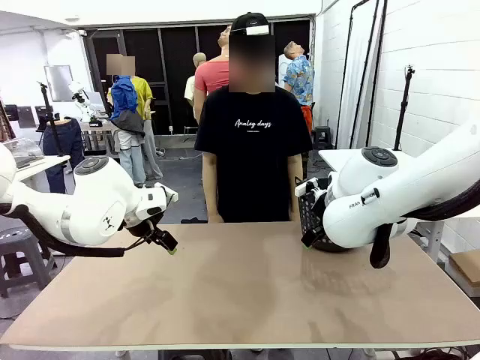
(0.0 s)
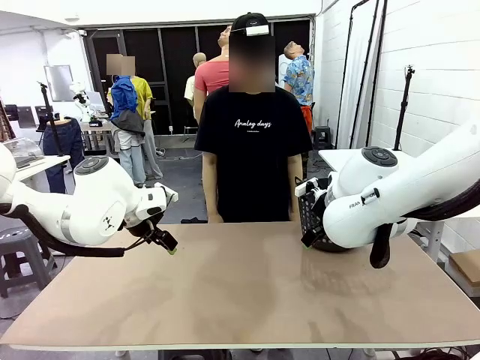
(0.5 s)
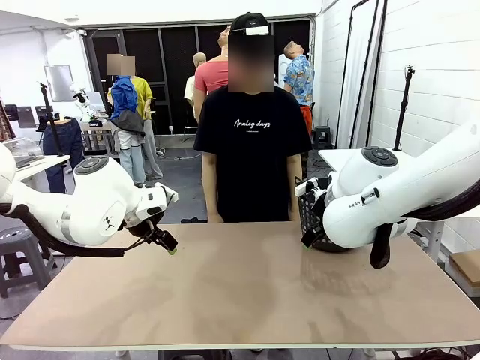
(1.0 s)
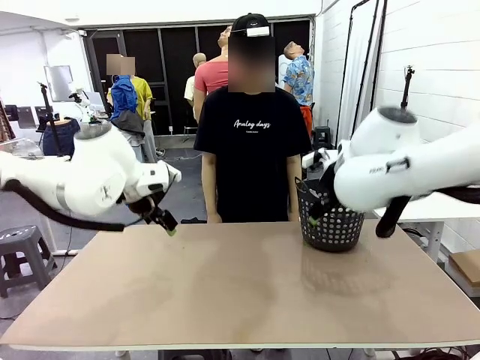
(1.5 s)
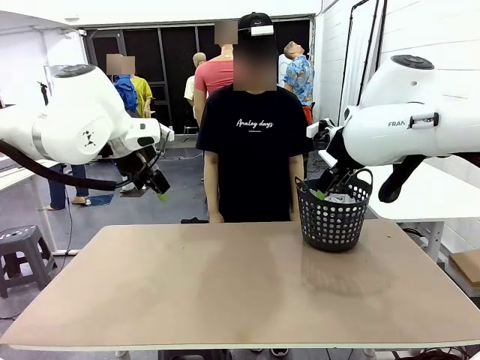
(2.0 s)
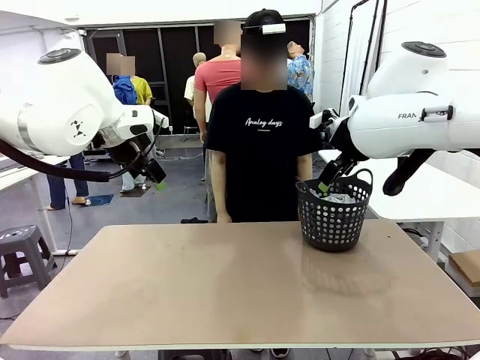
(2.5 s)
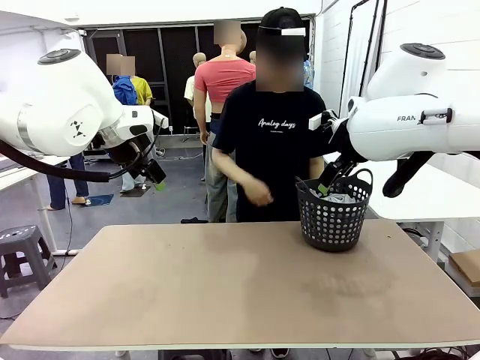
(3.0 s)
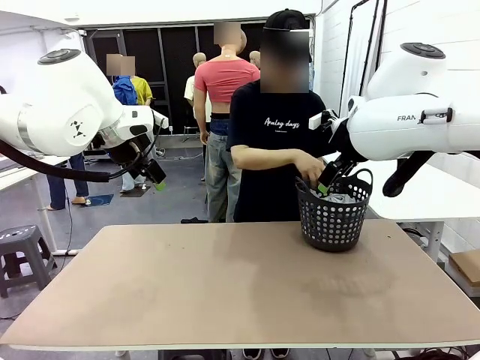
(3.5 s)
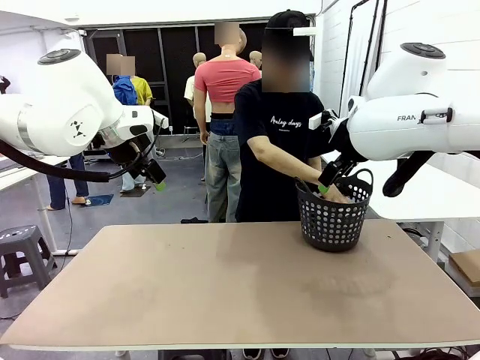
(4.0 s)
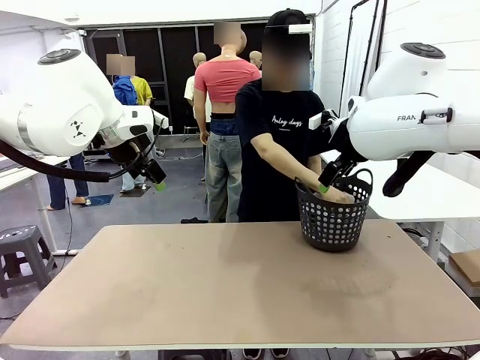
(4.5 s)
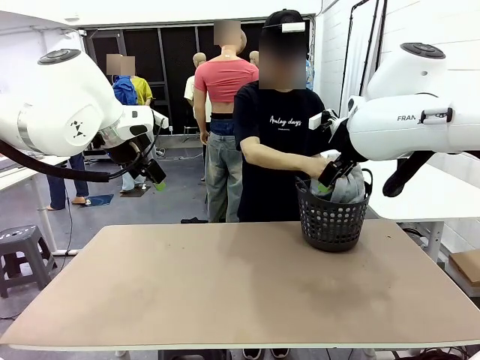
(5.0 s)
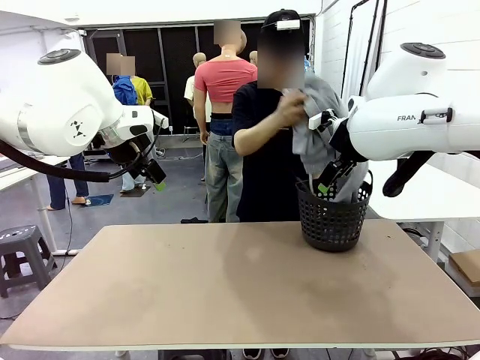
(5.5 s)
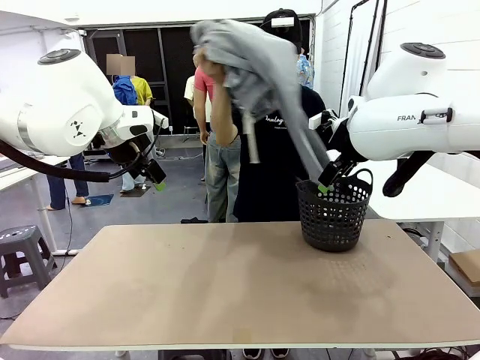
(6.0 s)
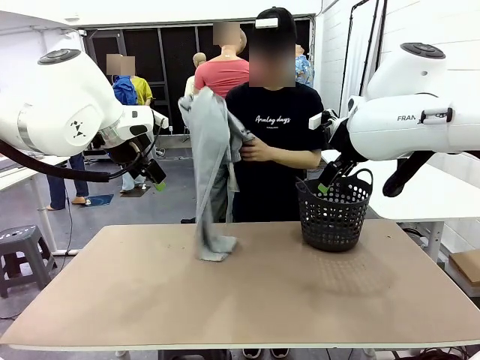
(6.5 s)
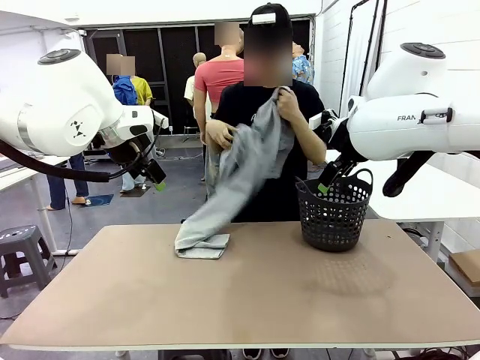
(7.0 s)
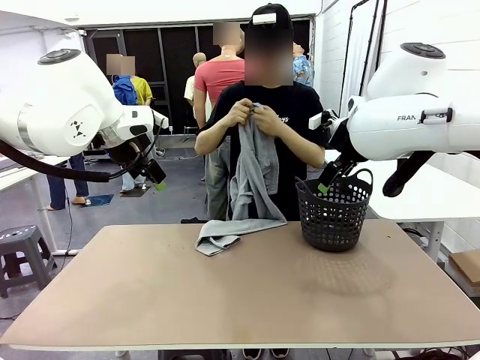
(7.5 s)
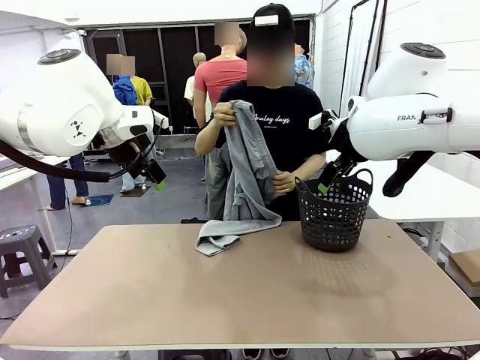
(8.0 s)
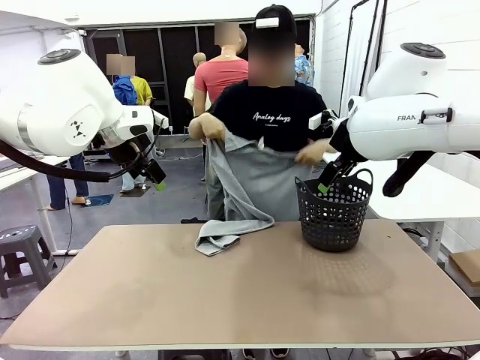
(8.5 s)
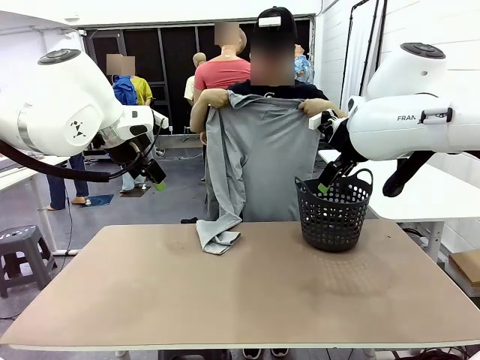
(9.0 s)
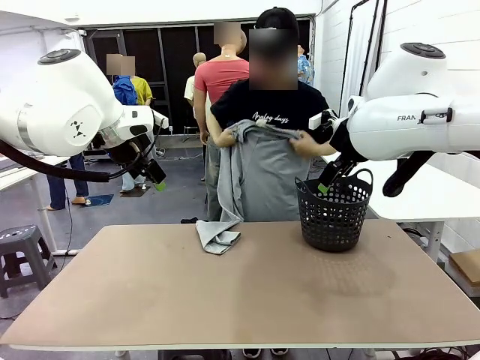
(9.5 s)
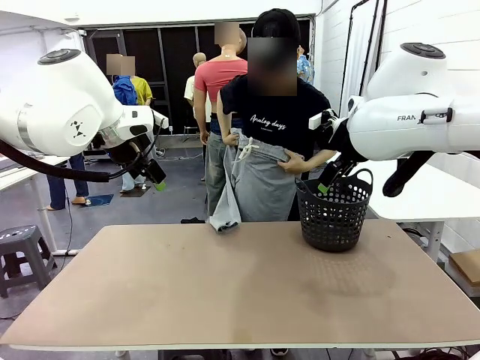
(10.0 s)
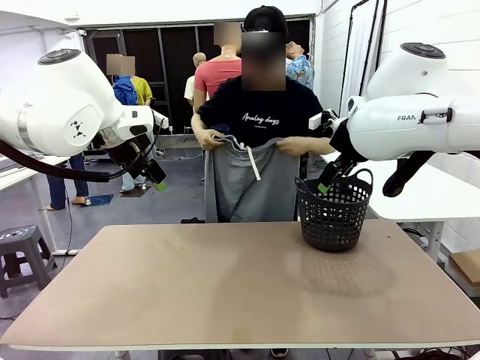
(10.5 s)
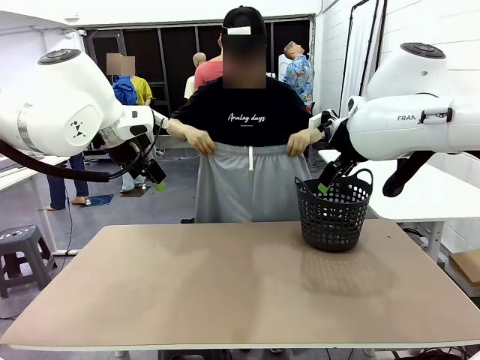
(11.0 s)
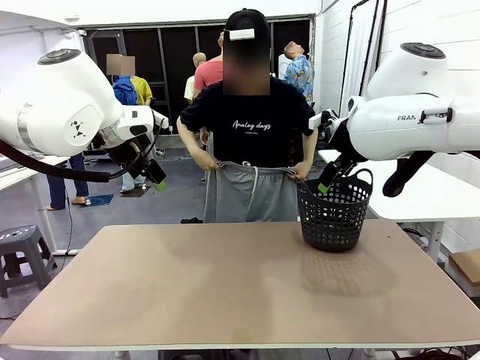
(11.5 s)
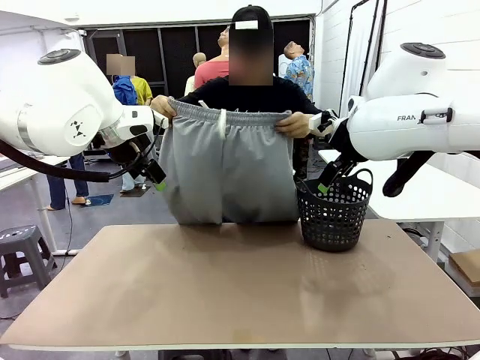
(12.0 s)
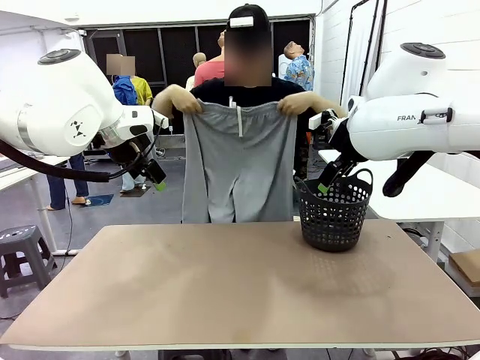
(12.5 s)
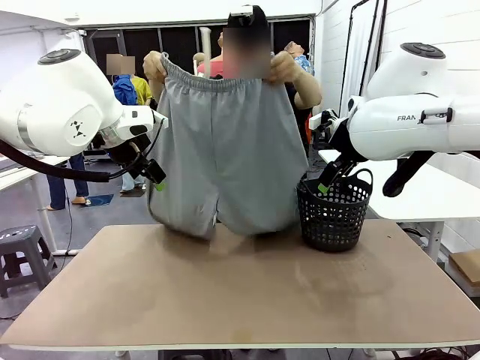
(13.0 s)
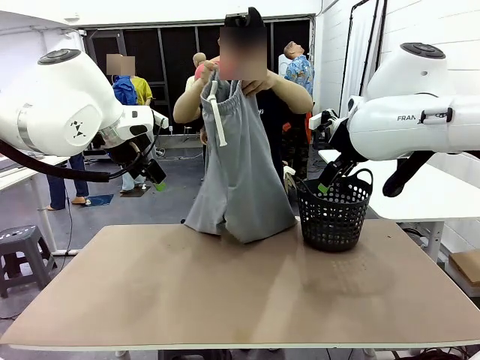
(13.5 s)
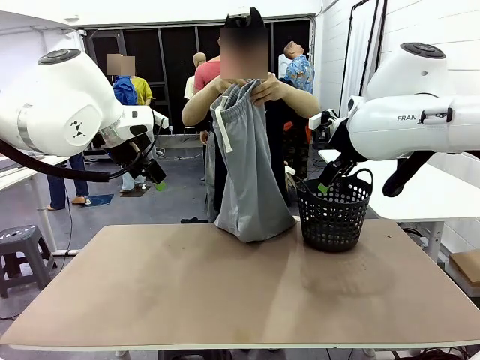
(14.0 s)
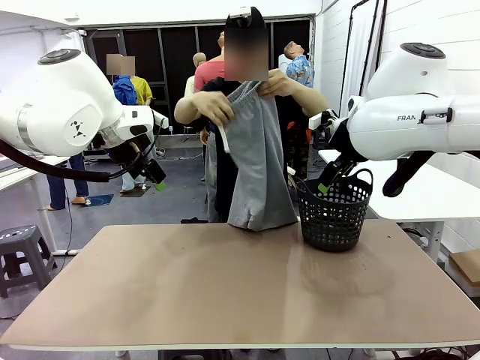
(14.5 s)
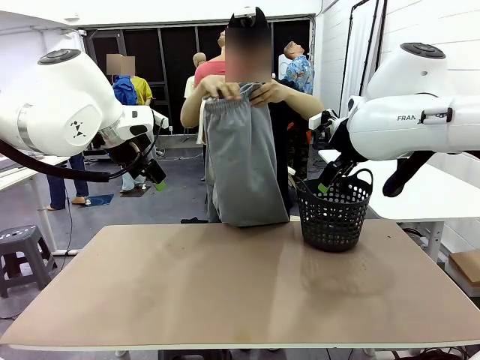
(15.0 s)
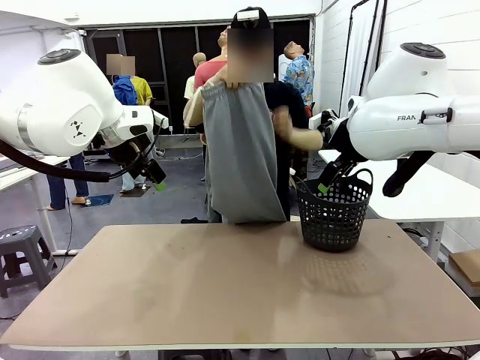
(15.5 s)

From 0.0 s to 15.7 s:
Task: Fold the training pants.
Robot: Grab both ends of the Training pants handed by a person.
Person: Take the long pants out of the laundry basket, unfold them, fold the waist in half, and extend them so the robot can pick up both corners.
